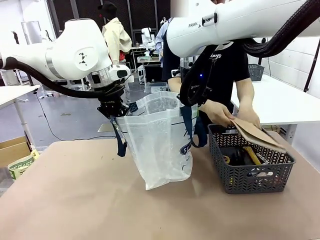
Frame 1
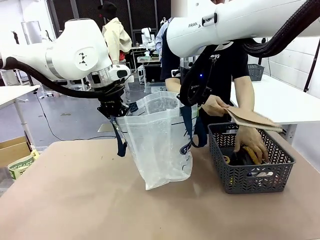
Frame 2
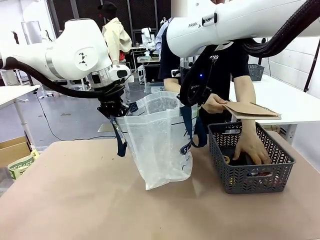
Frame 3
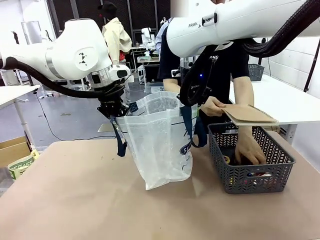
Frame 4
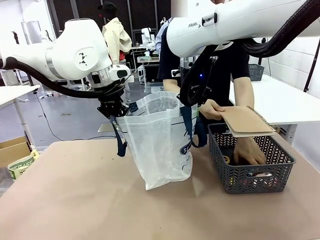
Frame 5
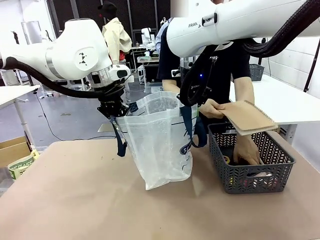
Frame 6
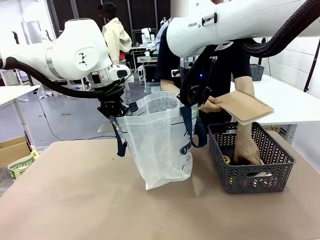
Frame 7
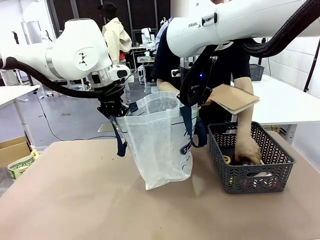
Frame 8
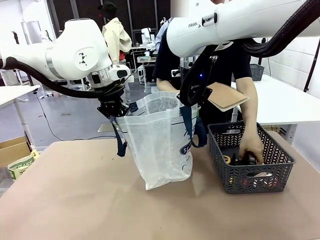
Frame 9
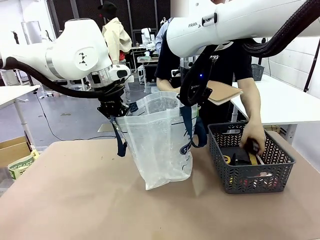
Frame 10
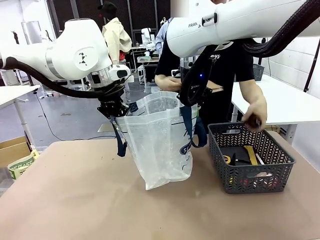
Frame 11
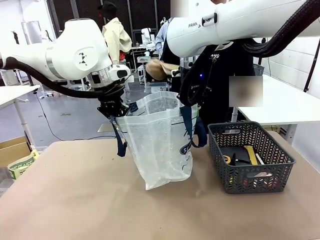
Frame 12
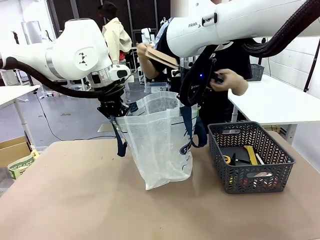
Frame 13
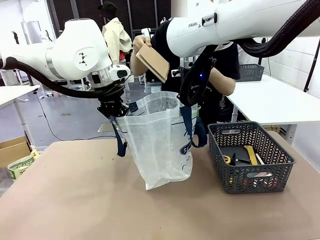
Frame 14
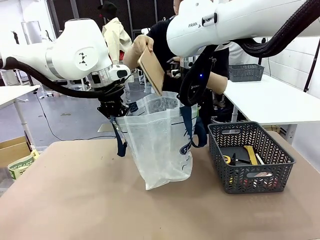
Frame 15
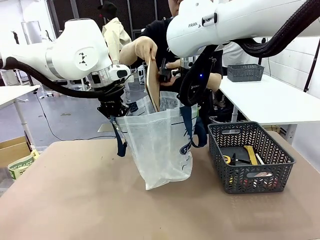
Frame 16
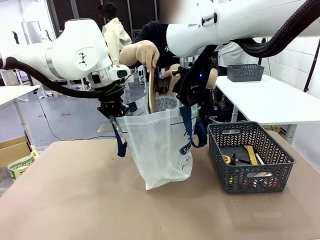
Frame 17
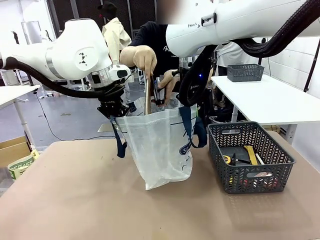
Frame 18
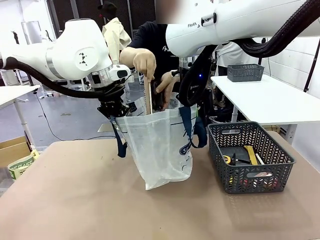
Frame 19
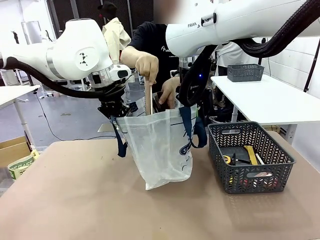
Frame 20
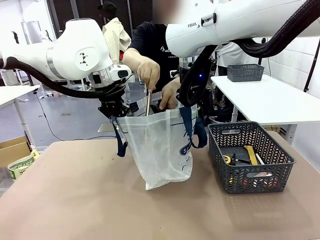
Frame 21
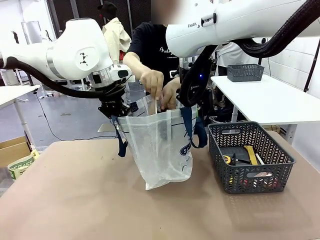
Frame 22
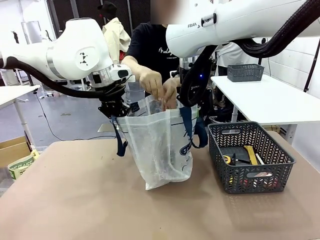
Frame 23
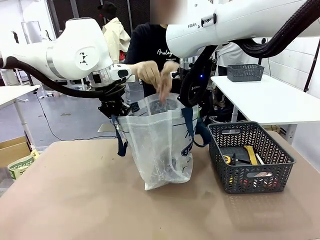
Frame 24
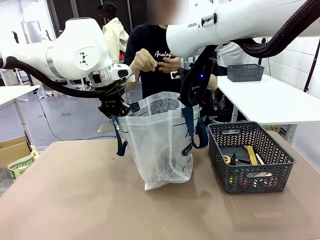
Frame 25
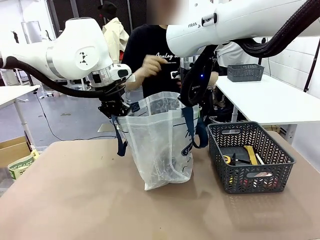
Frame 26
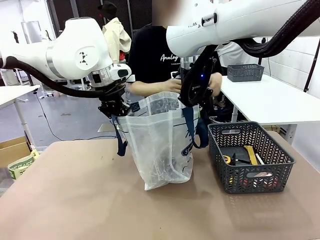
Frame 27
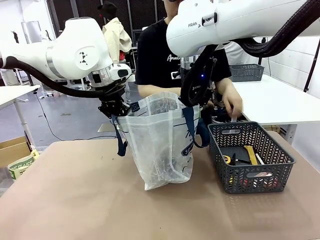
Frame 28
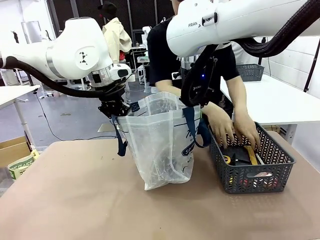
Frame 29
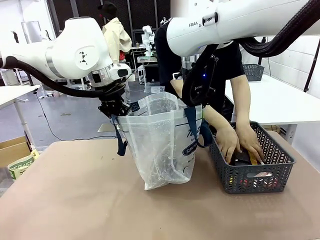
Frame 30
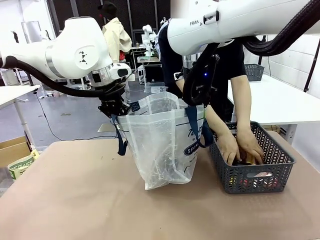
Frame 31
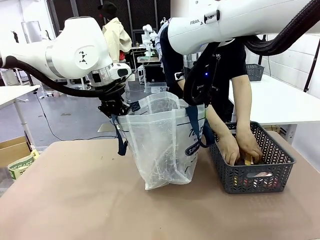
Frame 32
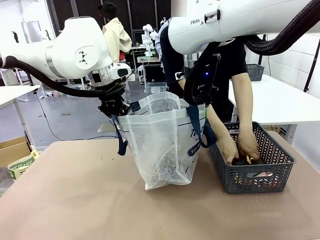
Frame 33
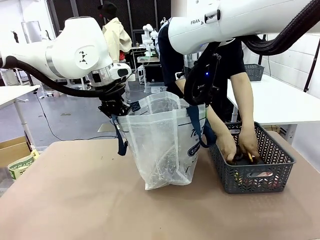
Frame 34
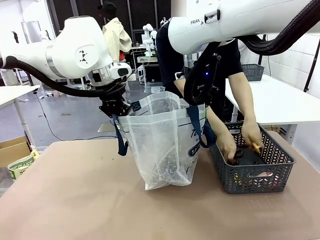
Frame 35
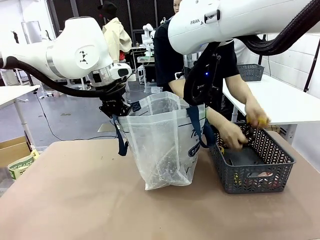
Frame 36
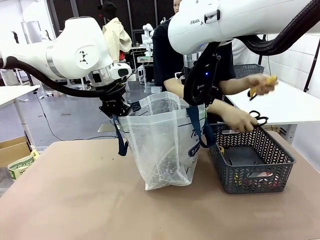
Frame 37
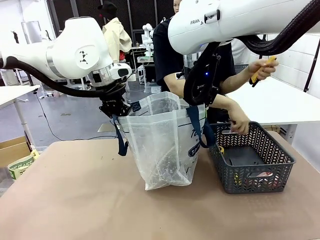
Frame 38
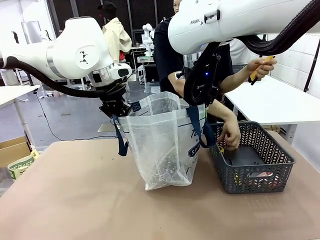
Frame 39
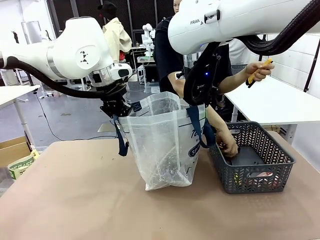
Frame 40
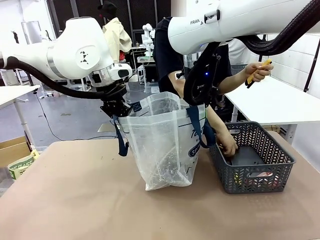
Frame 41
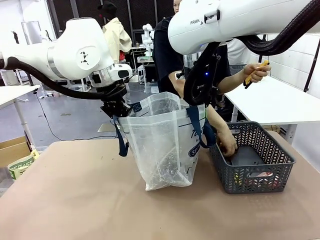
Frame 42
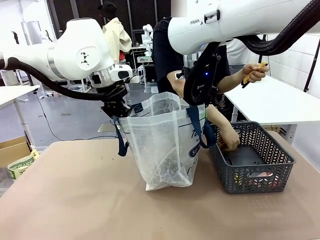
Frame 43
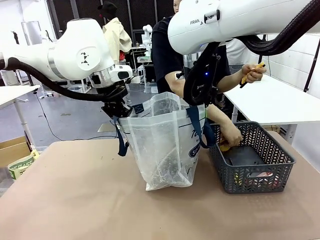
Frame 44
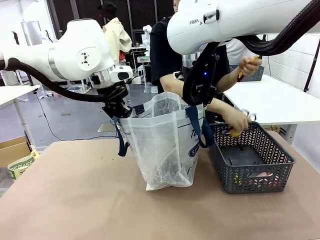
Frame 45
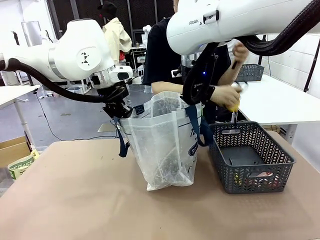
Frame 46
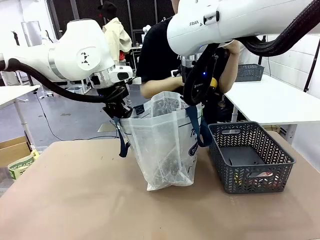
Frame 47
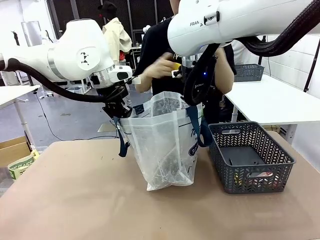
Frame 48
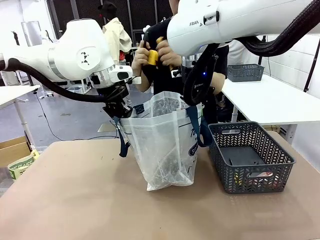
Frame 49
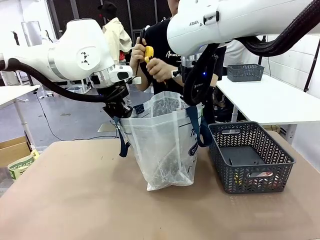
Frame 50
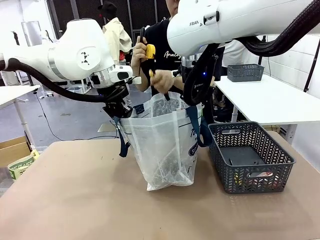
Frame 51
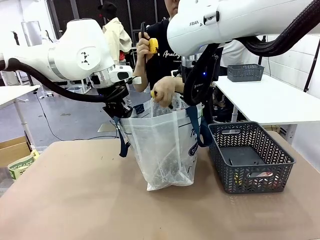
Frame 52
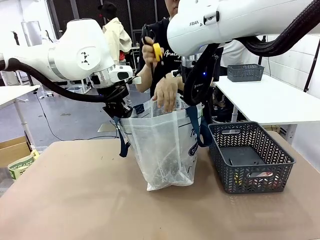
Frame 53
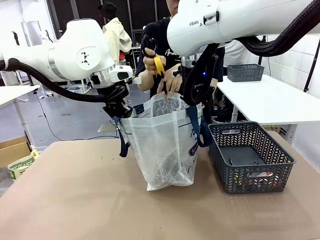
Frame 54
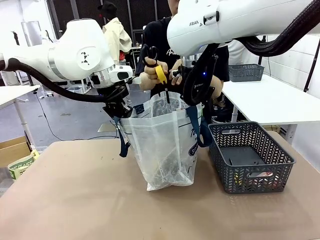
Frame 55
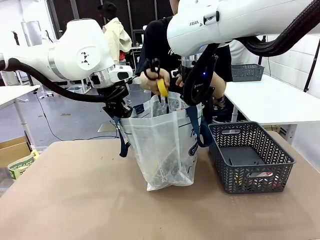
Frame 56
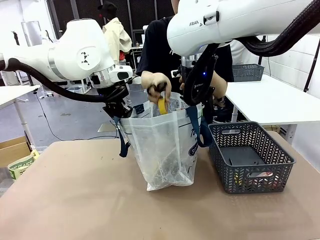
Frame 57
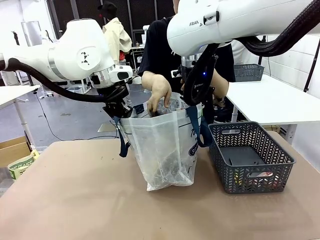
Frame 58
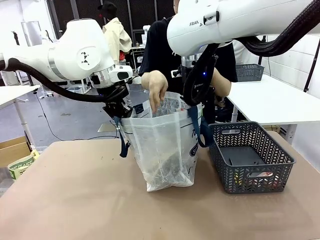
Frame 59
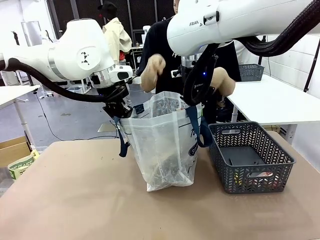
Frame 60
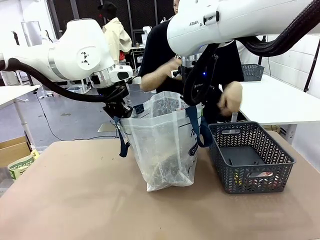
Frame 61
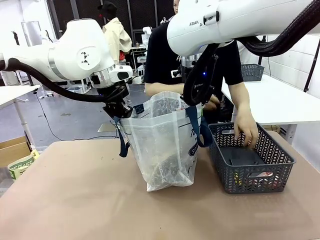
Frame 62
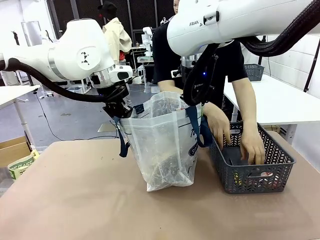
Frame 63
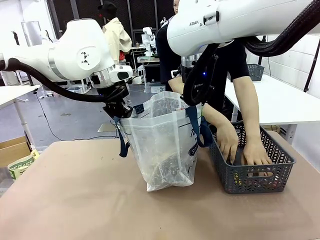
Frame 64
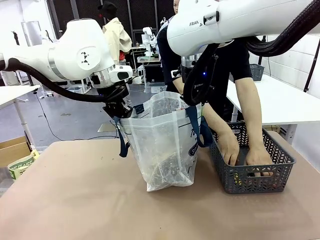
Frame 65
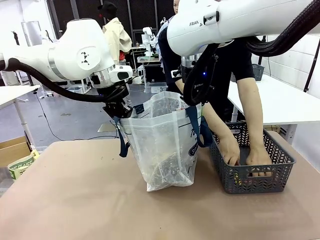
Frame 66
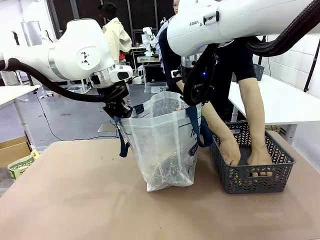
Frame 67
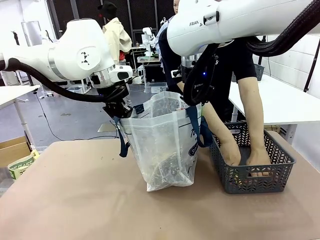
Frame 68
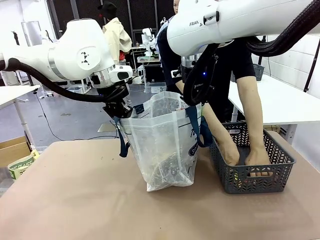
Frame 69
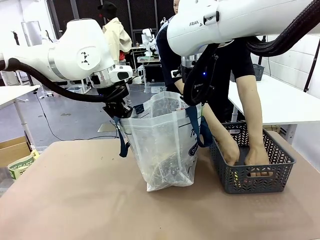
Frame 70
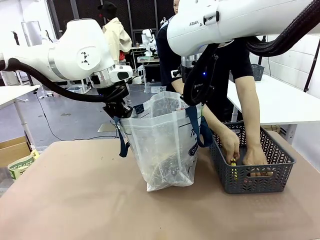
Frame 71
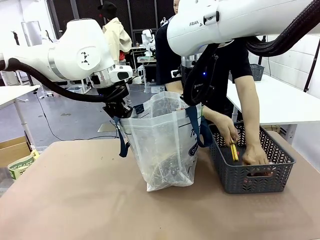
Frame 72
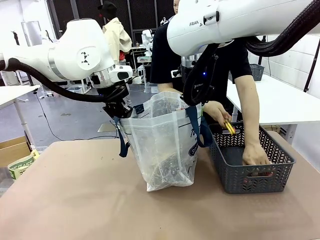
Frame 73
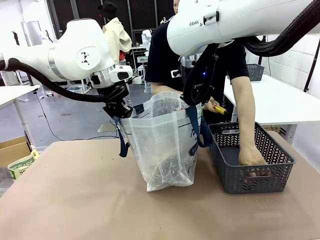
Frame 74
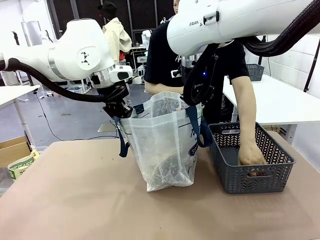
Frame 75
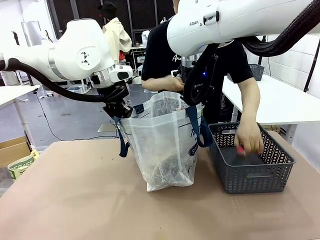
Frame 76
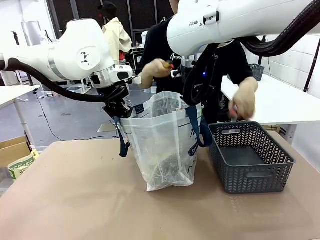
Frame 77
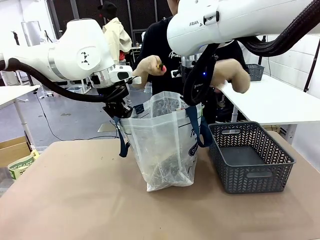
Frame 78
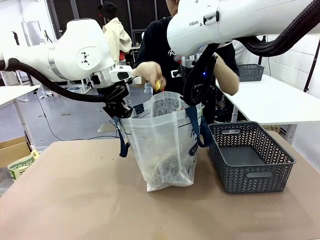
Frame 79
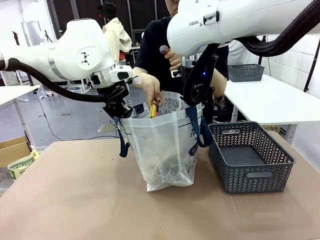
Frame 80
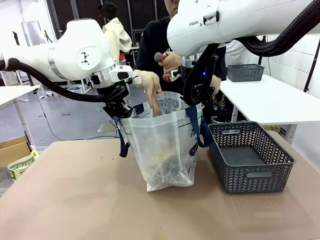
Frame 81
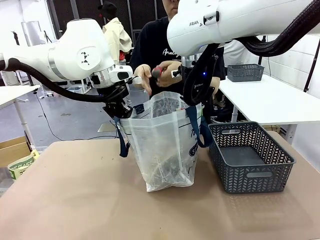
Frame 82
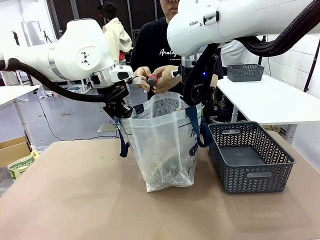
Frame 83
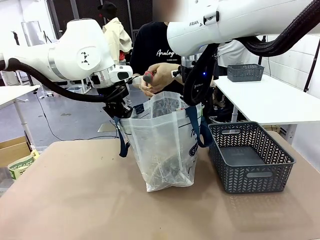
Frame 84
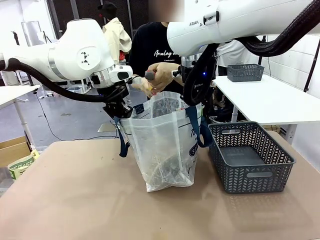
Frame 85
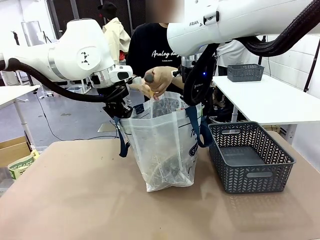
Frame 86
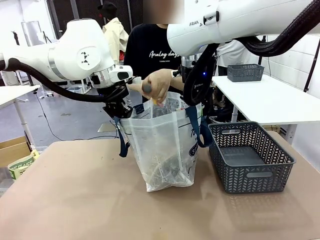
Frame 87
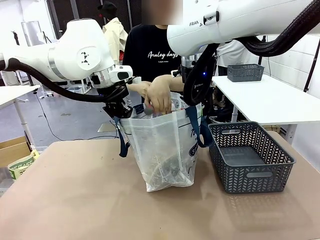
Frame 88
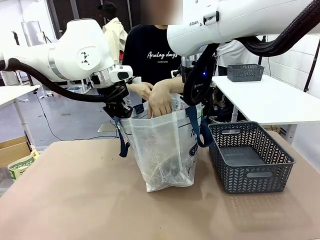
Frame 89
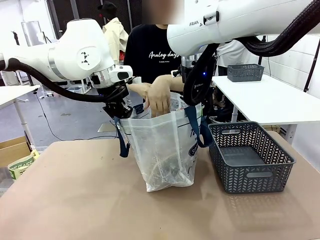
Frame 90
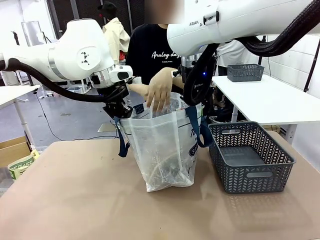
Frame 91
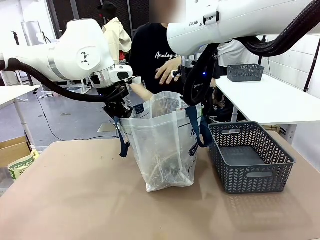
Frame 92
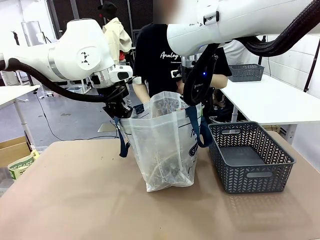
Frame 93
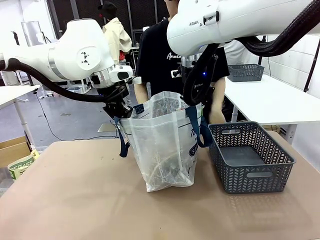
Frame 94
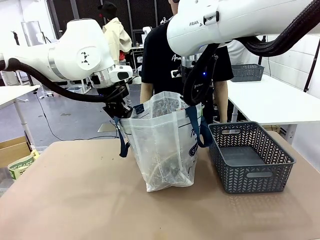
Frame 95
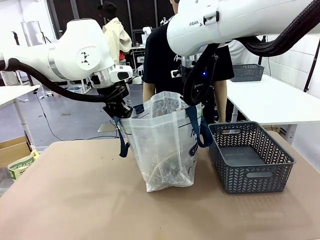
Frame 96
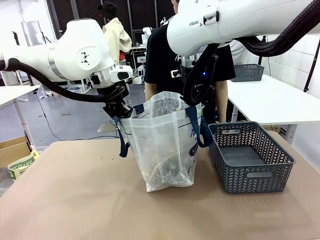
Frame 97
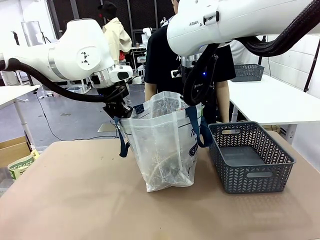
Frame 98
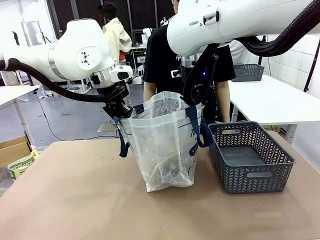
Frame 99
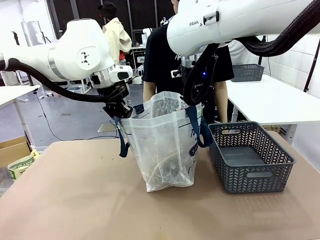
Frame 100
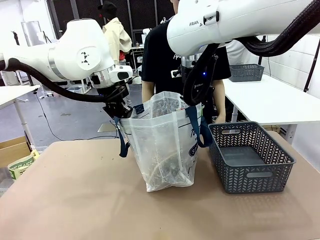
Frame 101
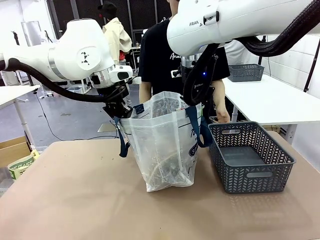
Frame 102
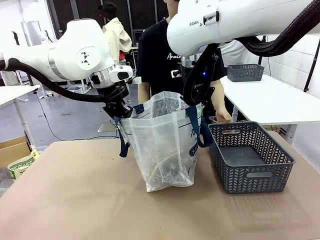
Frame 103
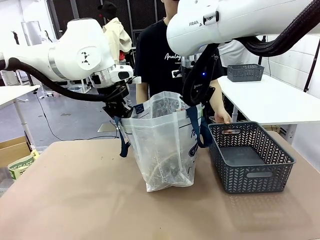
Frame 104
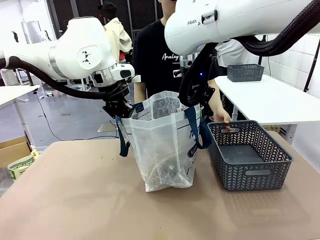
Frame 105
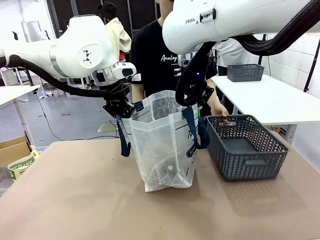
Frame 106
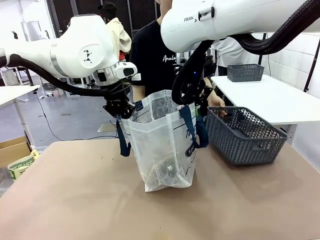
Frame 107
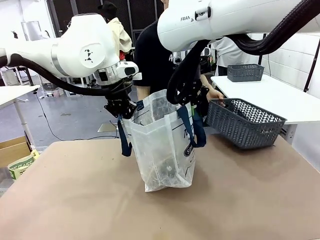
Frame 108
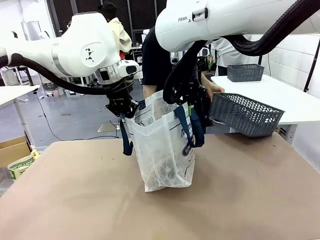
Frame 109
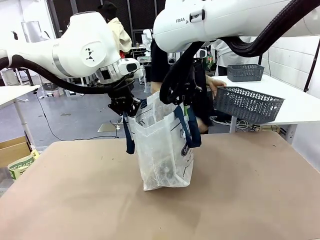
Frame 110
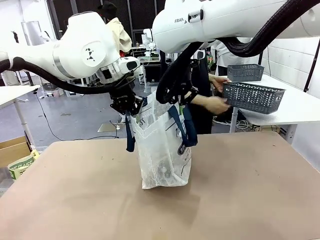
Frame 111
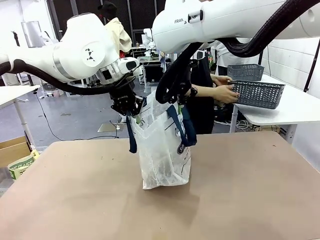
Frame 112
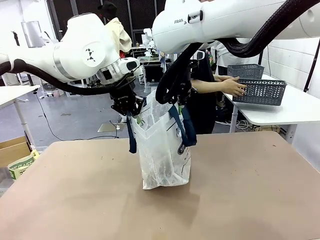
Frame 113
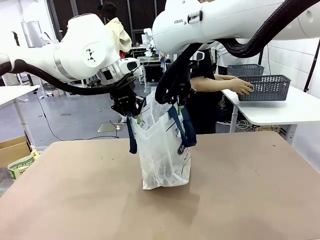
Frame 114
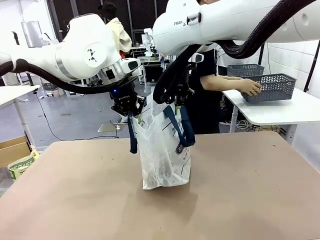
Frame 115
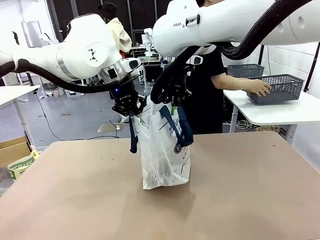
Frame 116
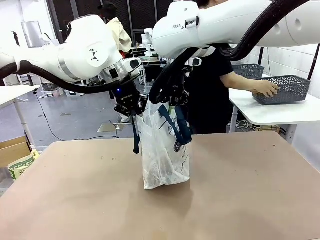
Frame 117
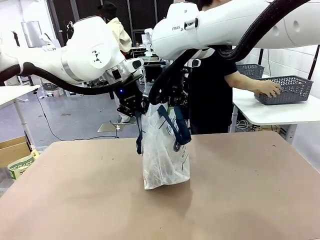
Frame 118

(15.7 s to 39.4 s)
Task: Transfer purchased items from the store into the shopping bag.
Robot: Move the Reusable shopping bag to the right side of the table.
Person: Pick up the basket on the right, place it on the left side of the robot table, and move the items in the basket to the shopping bag. Pick up the basket with the items out and place it on the right side of the human table.
